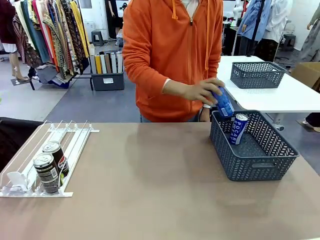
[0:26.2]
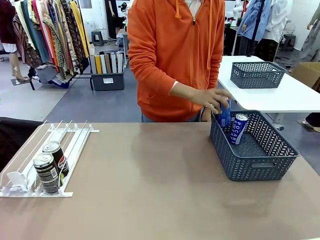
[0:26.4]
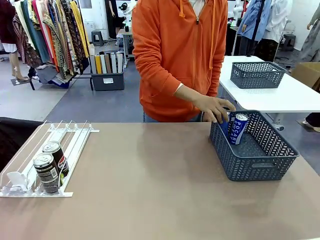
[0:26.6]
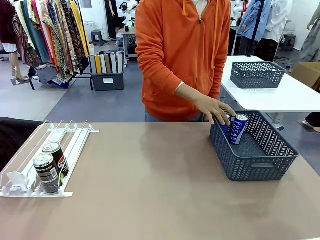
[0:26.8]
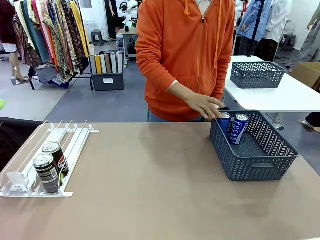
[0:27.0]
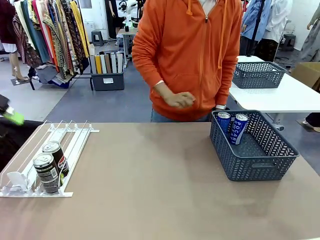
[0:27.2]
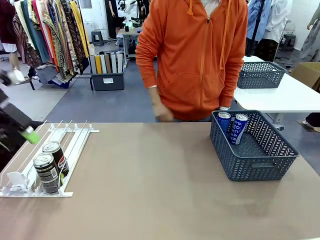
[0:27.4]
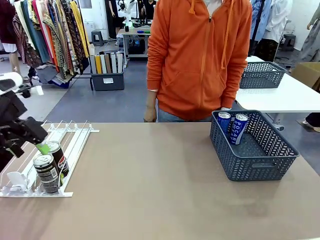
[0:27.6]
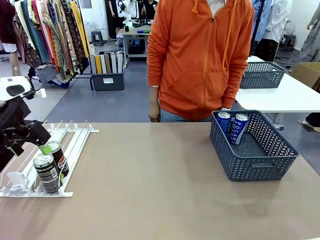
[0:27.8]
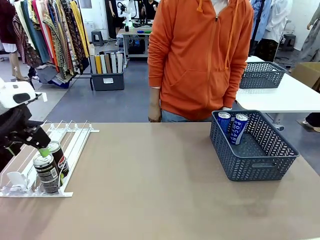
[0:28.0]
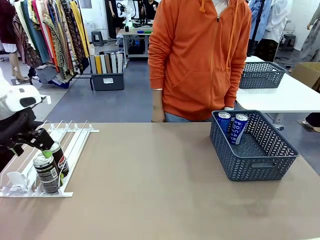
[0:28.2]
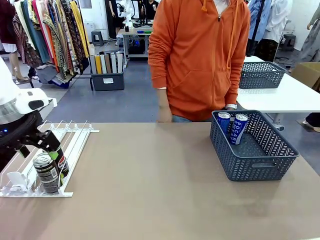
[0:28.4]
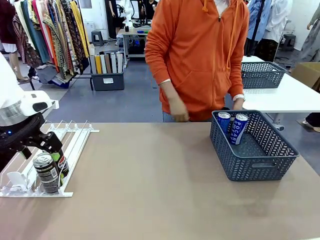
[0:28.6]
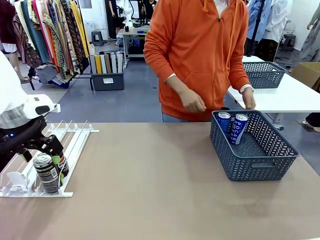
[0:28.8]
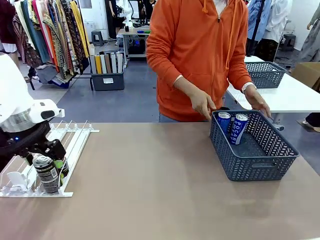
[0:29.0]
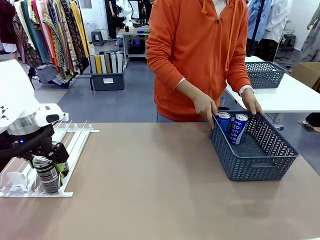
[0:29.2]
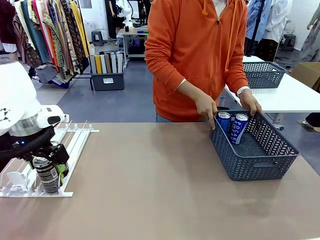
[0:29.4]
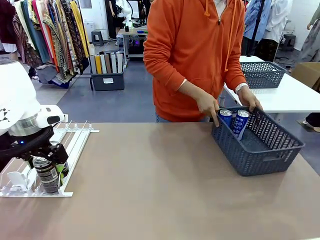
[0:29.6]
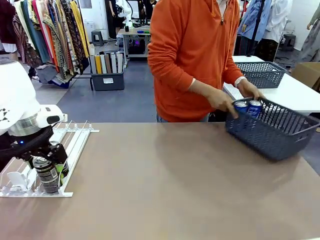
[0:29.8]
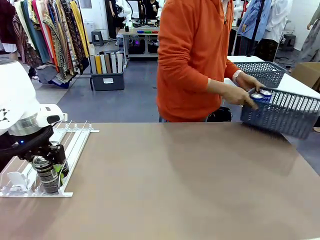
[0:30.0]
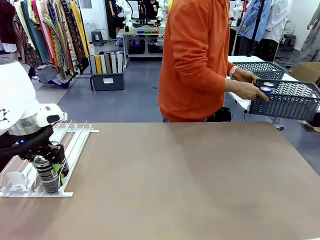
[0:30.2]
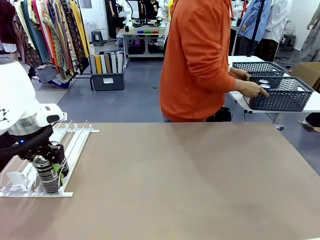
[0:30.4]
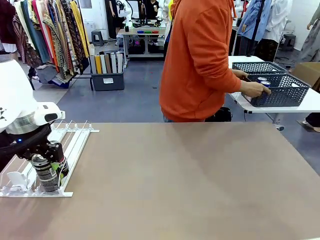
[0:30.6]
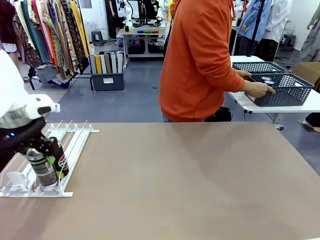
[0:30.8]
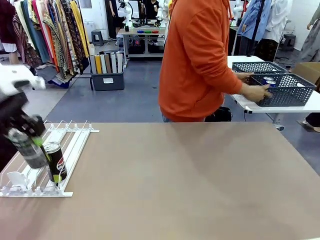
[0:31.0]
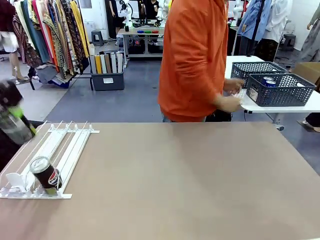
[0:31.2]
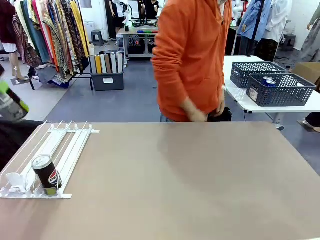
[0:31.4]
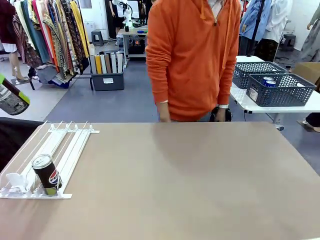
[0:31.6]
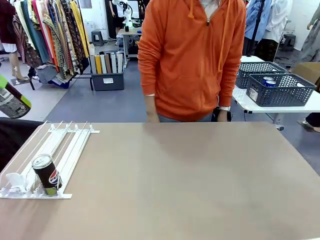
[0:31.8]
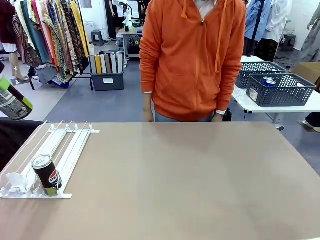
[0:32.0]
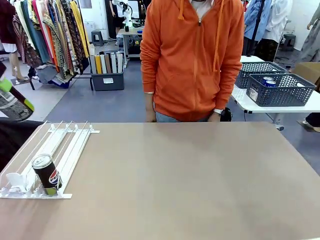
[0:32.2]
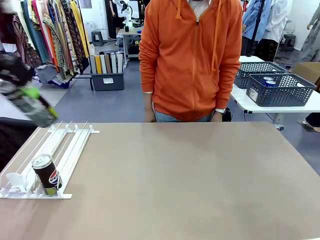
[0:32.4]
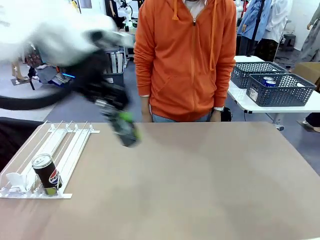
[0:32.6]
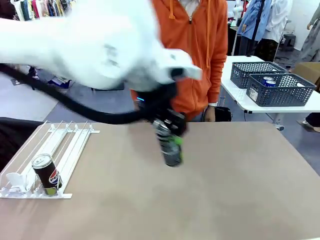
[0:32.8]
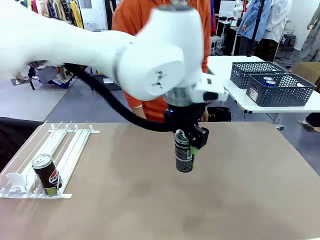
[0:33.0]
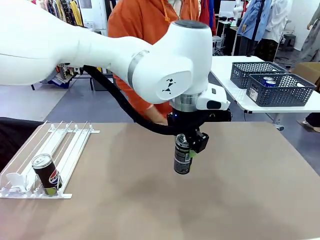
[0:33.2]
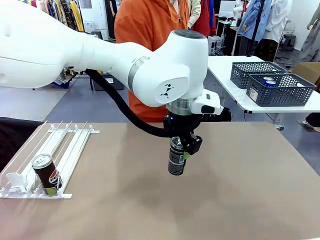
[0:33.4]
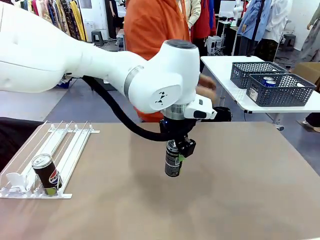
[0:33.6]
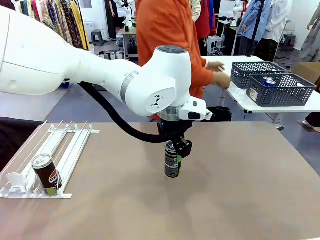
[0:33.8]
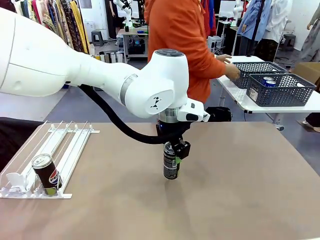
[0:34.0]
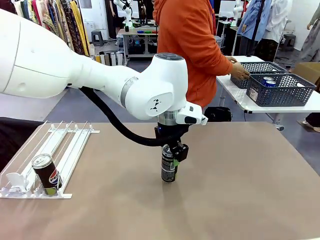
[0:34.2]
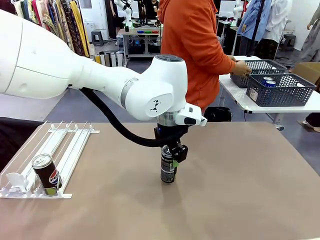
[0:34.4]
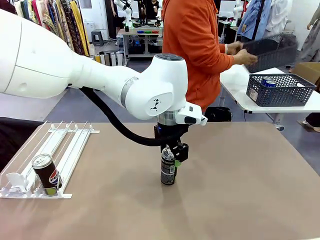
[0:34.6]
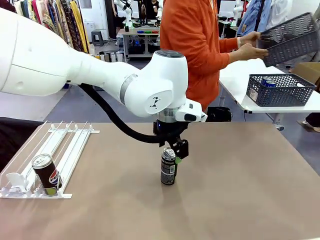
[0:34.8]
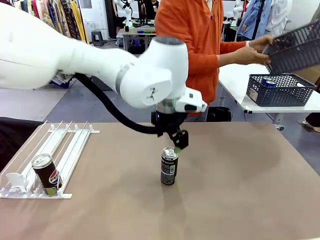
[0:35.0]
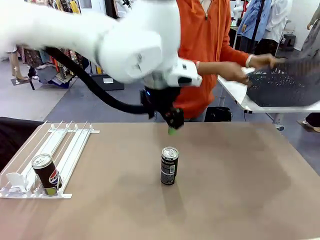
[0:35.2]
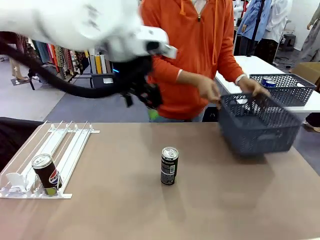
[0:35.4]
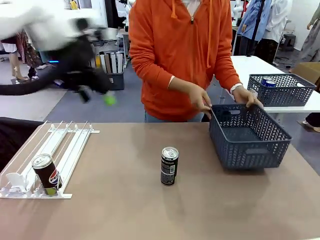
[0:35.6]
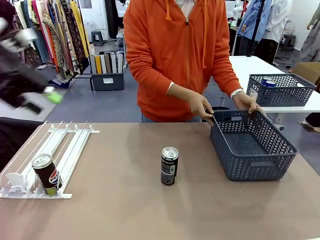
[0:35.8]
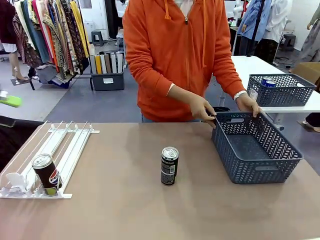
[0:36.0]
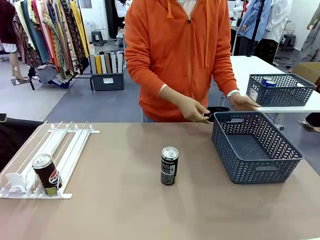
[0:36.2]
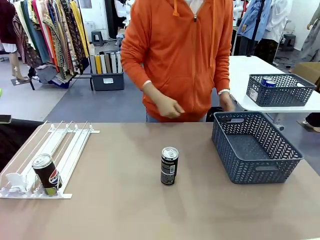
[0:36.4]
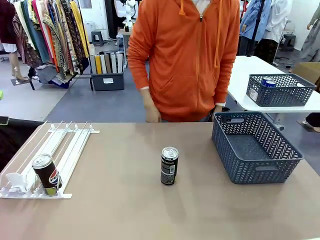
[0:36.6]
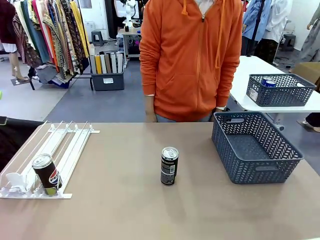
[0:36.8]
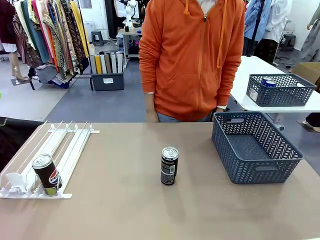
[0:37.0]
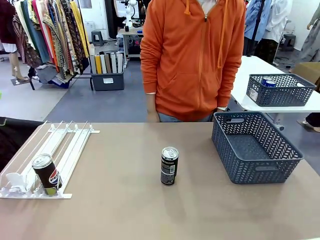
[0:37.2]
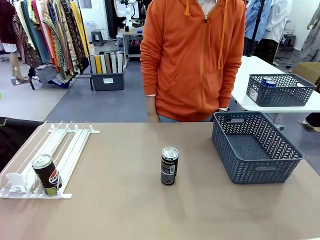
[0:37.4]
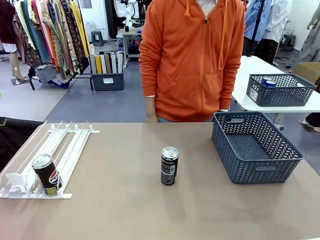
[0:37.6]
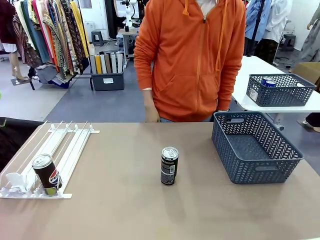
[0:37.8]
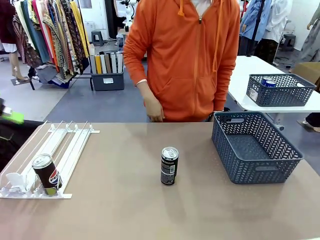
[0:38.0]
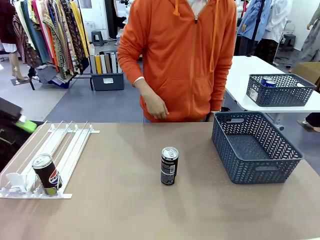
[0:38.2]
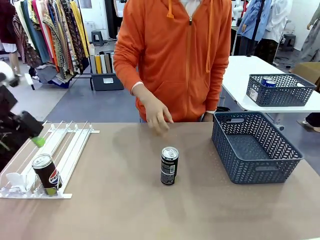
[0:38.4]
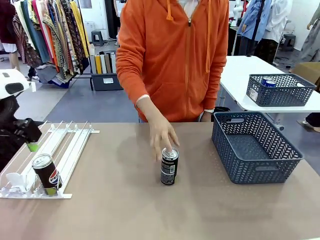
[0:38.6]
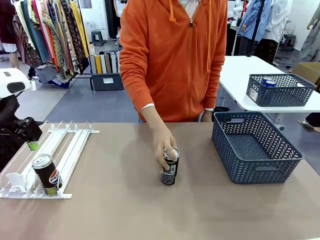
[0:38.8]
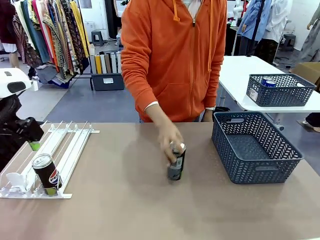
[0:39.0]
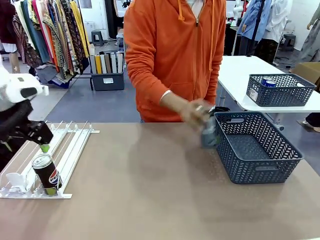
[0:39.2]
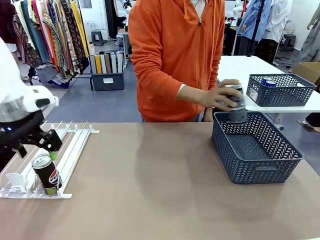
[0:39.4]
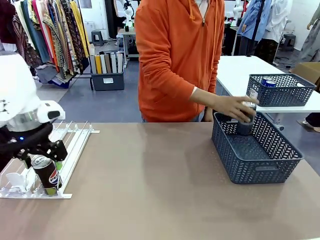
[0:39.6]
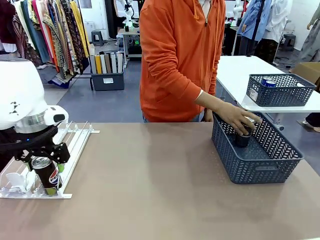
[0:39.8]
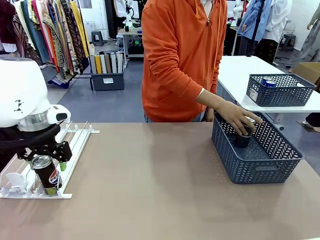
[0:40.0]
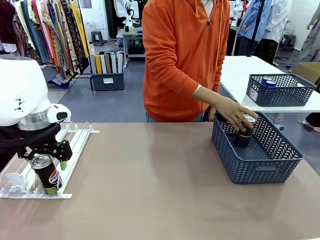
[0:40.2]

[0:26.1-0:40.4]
Task: Retrieve and store the cans from the dispenser.
Robot: Pick up one can from the Automatic Can Dispenser and place it in the middle of the table.
Person: Pick up the basket and place it in the middle of the human table. Pick up the empty basket and place it on the left side of the robot table.
